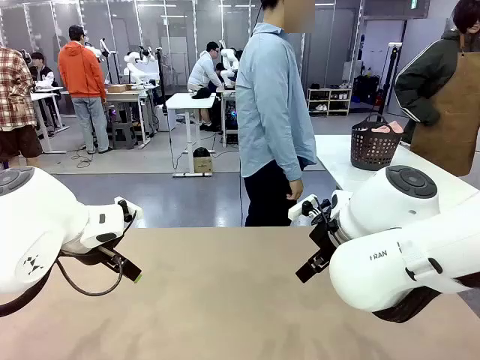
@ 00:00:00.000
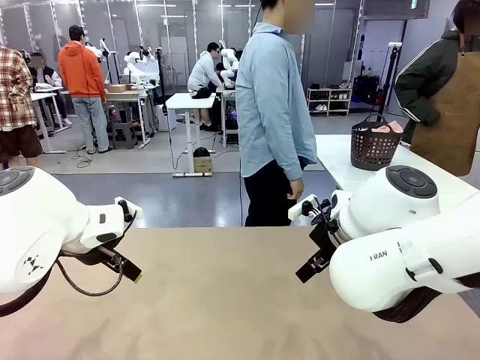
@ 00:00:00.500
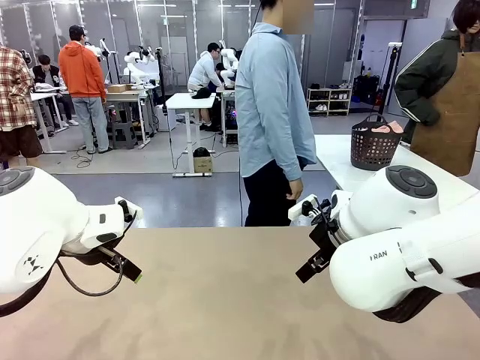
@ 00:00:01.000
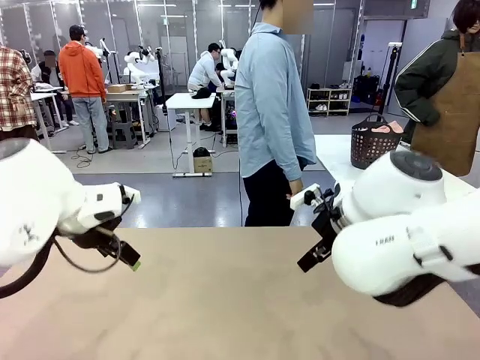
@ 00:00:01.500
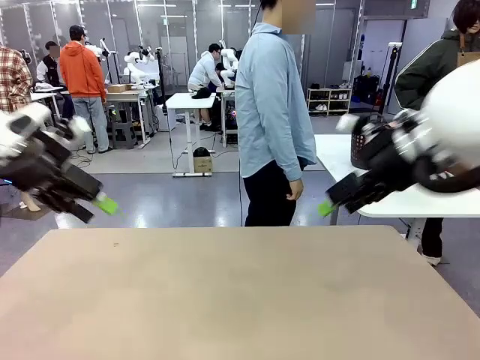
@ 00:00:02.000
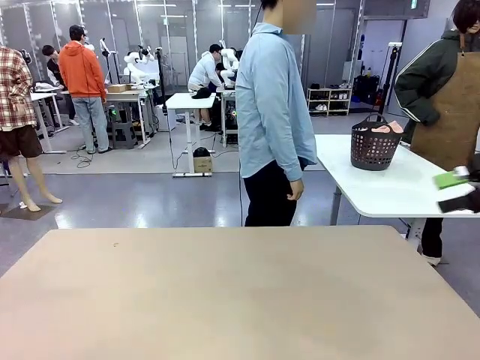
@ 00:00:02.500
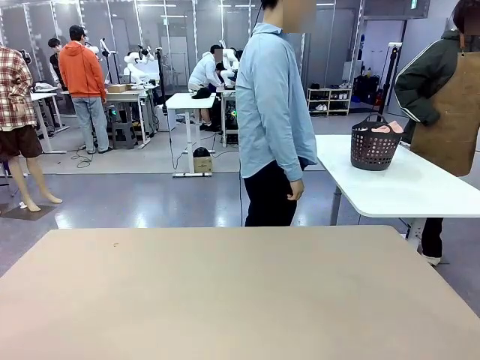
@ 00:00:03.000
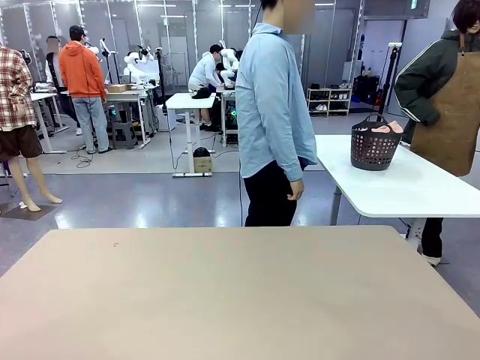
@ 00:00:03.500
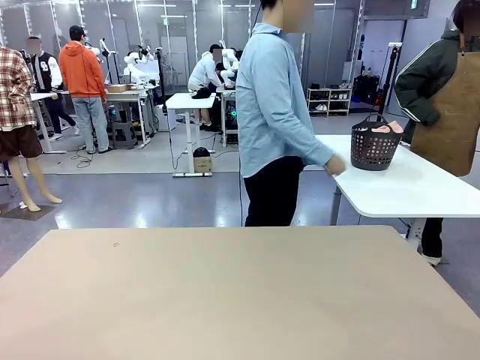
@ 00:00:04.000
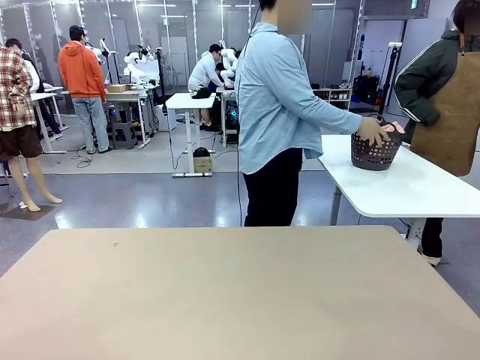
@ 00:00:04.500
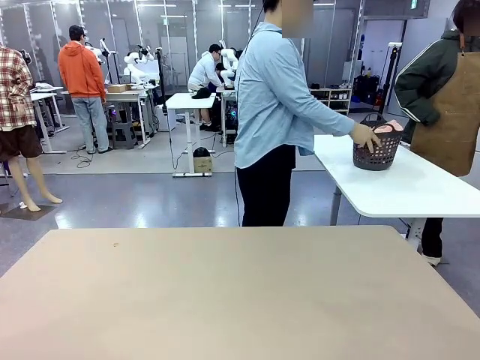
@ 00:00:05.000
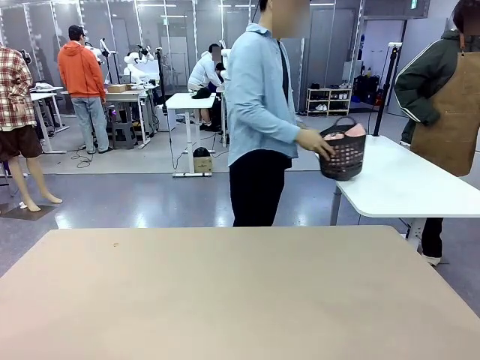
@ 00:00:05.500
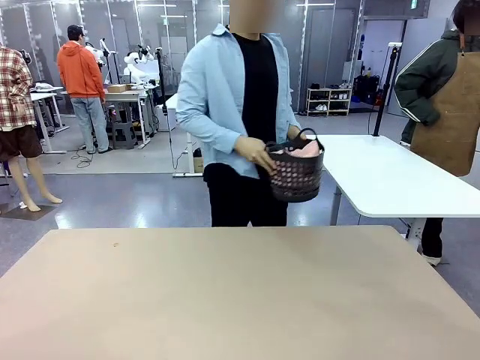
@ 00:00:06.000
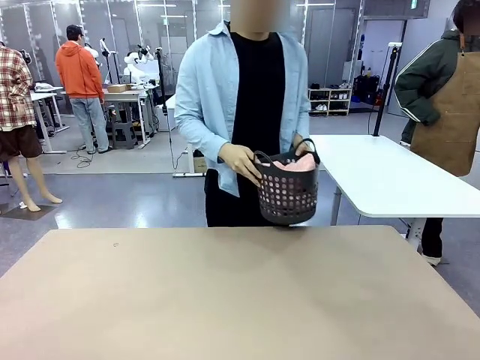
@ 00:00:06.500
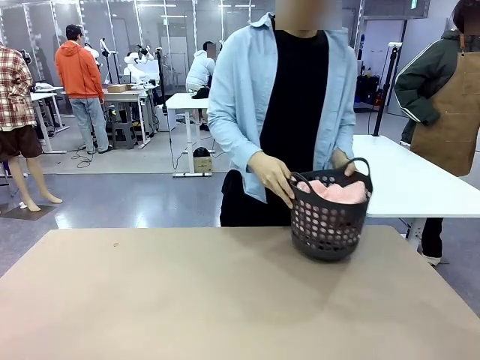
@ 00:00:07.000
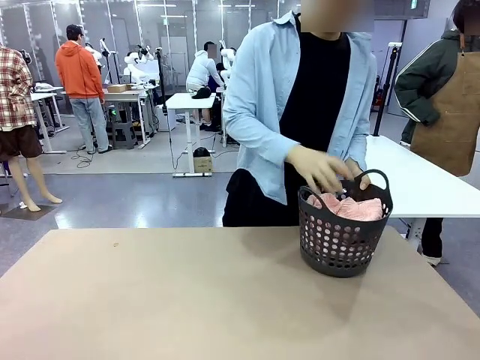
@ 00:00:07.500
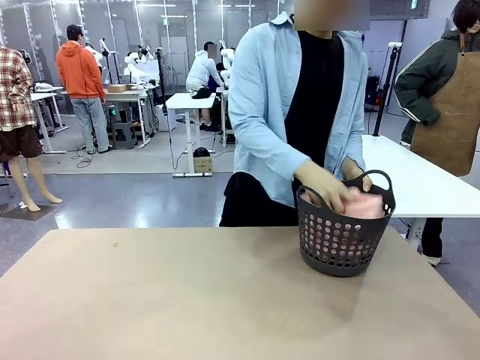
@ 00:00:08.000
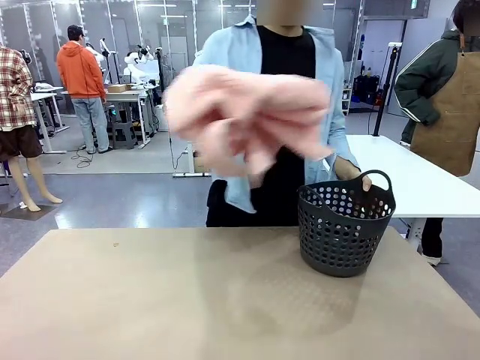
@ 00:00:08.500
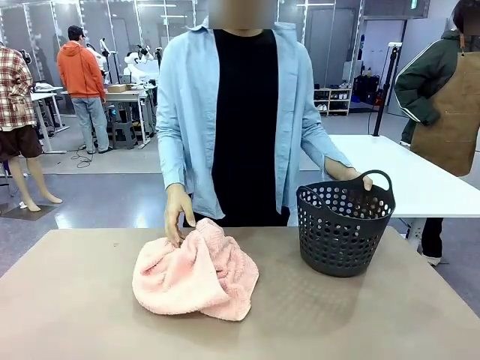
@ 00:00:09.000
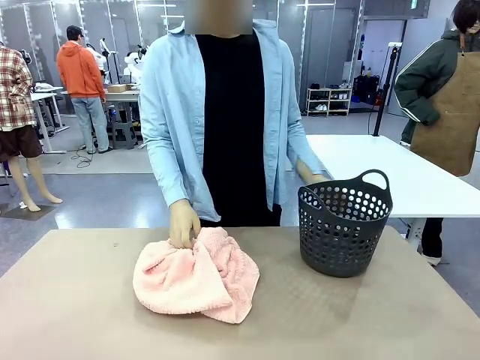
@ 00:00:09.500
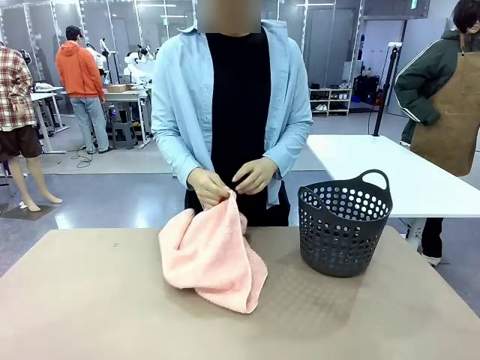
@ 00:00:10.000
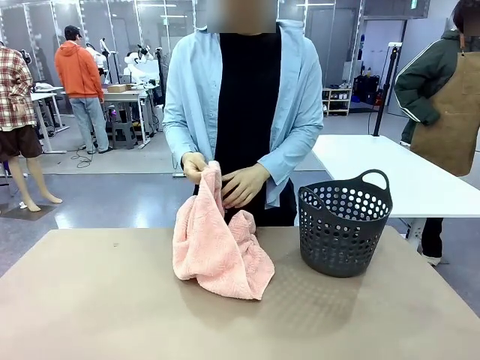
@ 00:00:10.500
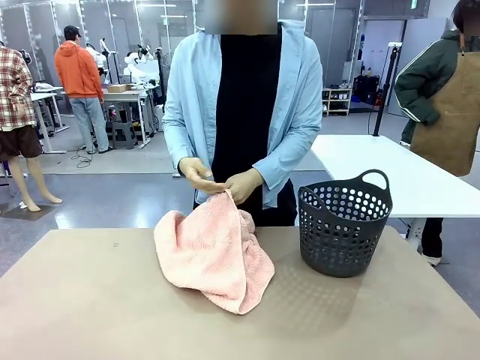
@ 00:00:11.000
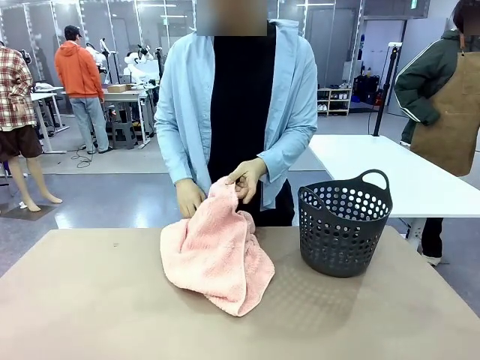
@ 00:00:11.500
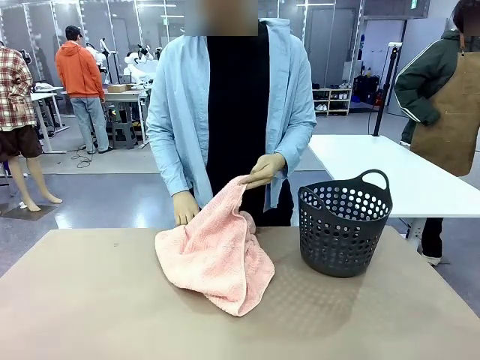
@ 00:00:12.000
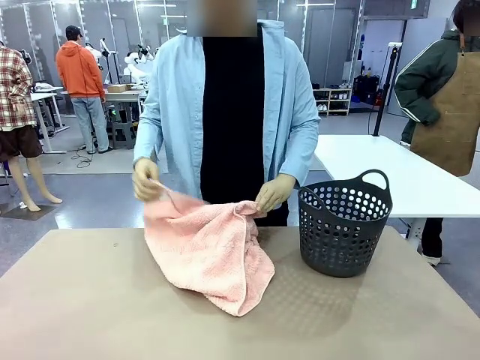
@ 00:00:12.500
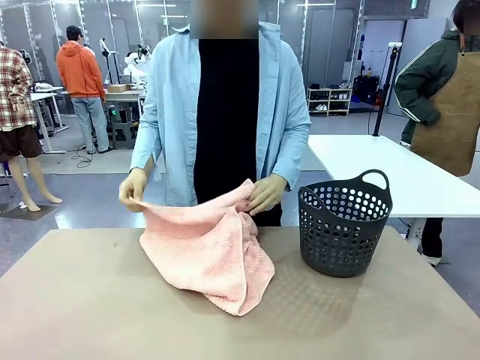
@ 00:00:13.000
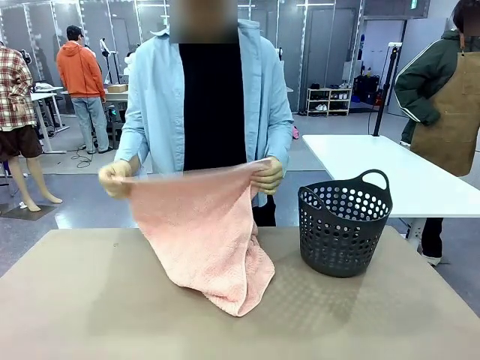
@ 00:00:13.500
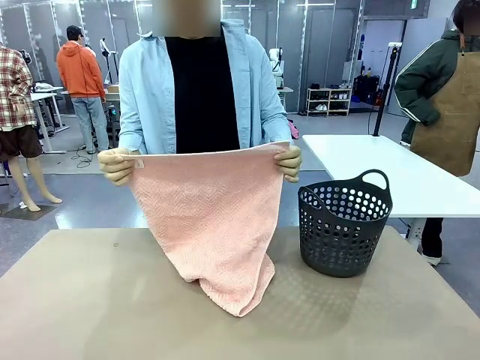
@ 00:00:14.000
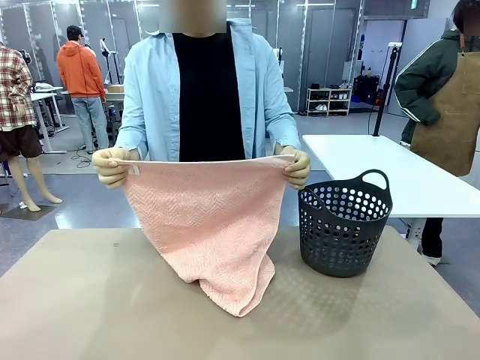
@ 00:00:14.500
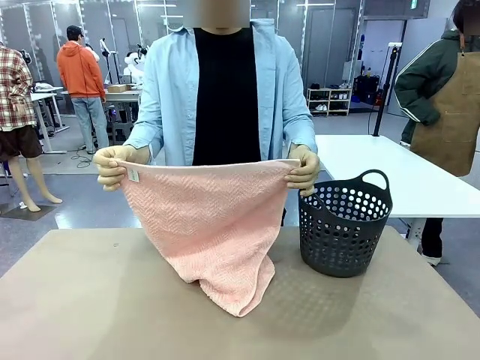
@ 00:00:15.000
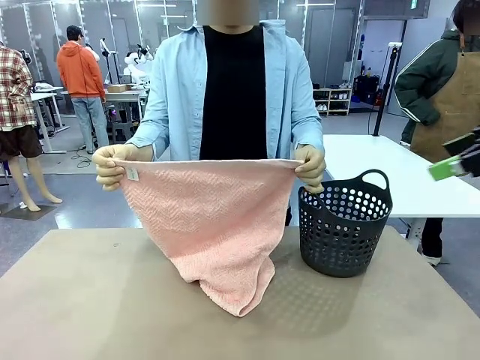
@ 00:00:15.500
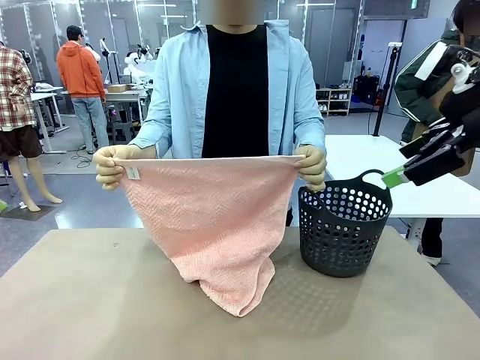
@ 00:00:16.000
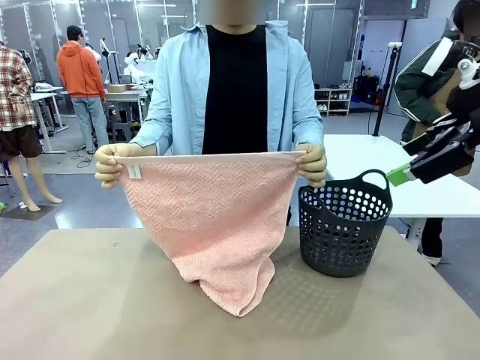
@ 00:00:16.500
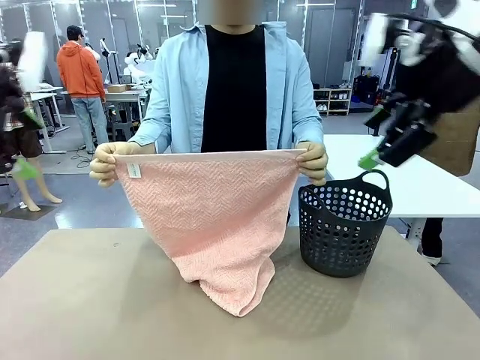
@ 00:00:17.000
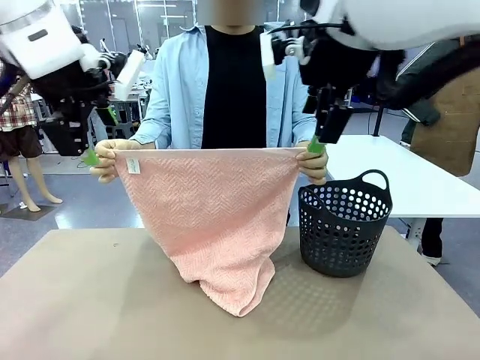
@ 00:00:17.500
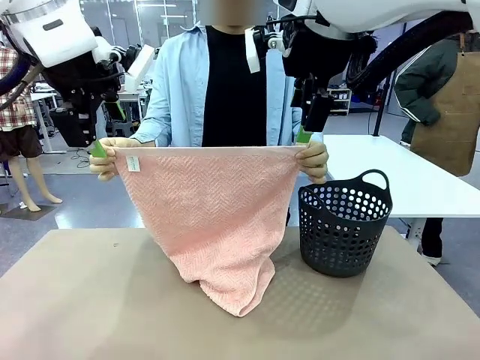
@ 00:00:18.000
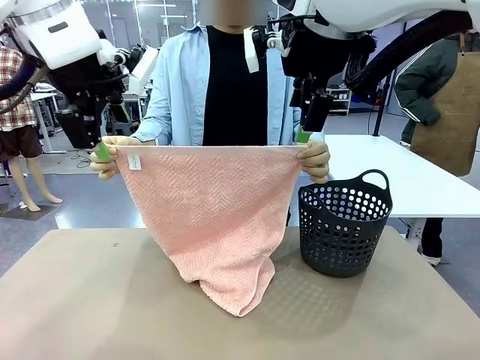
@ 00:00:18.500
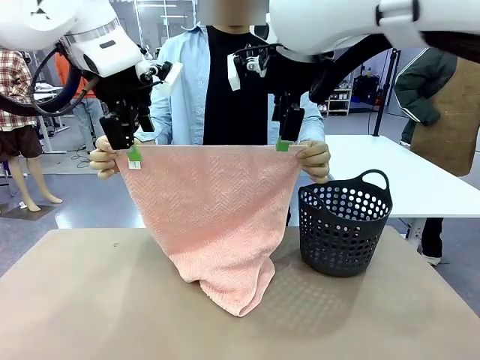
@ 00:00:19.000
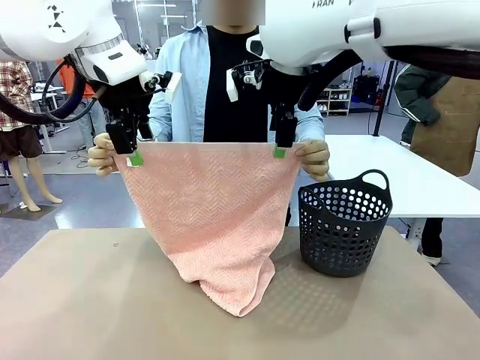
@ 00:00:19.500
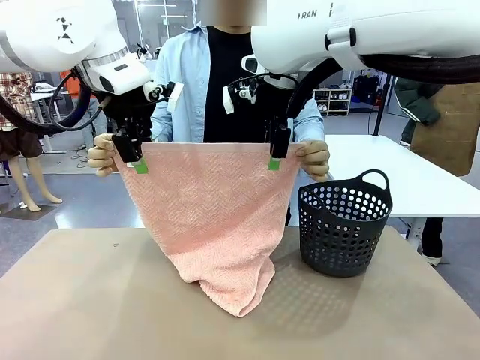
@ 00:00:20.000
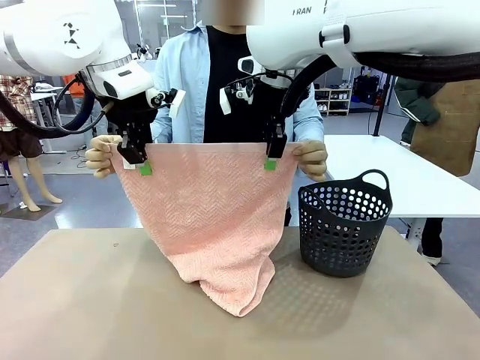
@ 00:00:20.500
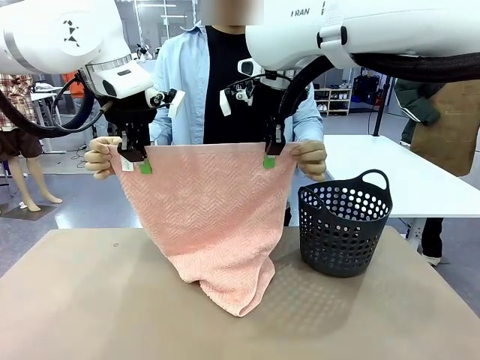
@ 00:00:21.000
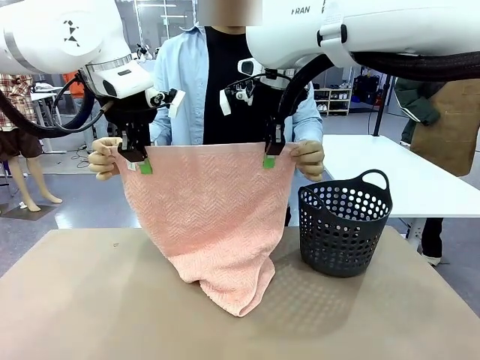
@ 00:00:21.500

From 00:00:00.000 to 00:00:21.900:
Task: Fold the towel.
Robot: Grab the top end of the 100 cm Hotel Towel extended by the human.
Person: Pick up the laundry basket, place it on the left side of the robot table, then take out a towel and hand it to the robot while holding both corners of one end.
